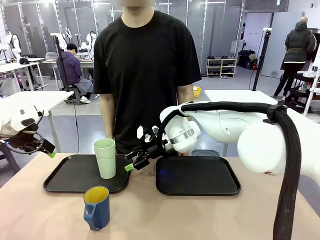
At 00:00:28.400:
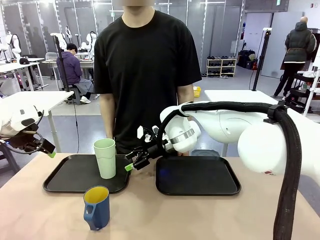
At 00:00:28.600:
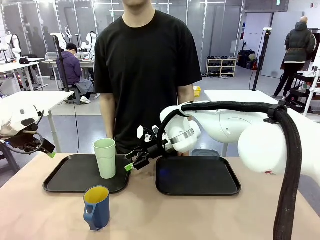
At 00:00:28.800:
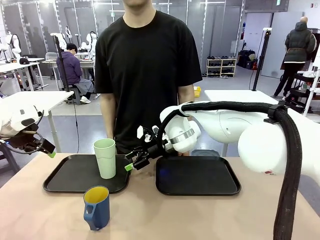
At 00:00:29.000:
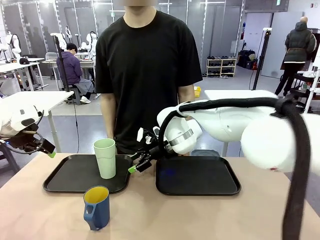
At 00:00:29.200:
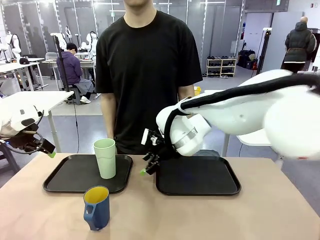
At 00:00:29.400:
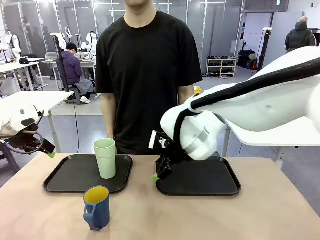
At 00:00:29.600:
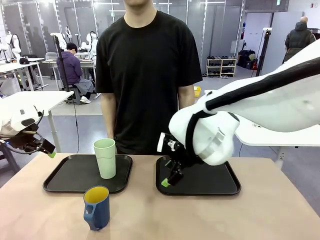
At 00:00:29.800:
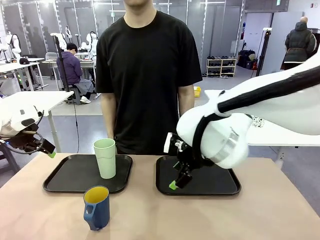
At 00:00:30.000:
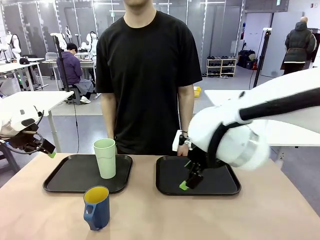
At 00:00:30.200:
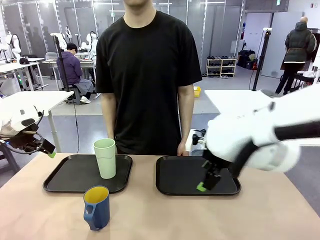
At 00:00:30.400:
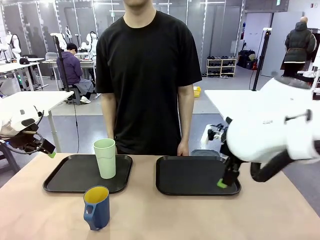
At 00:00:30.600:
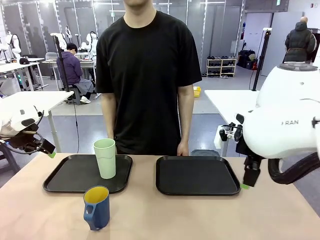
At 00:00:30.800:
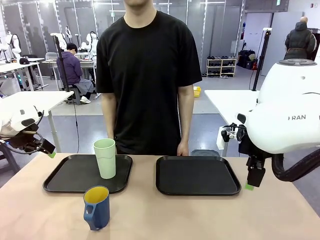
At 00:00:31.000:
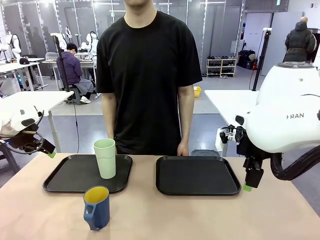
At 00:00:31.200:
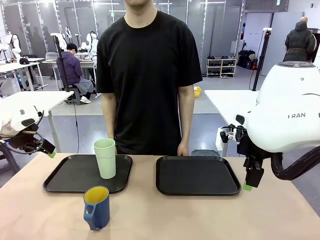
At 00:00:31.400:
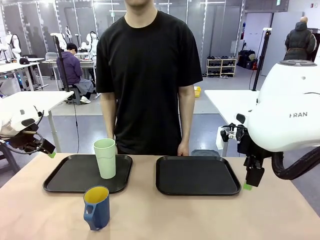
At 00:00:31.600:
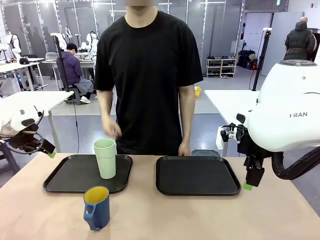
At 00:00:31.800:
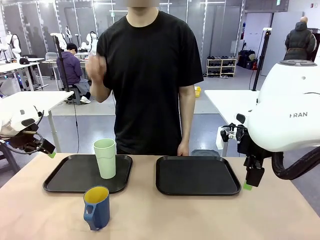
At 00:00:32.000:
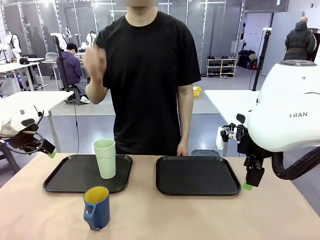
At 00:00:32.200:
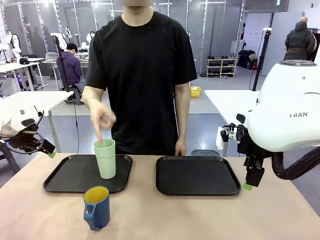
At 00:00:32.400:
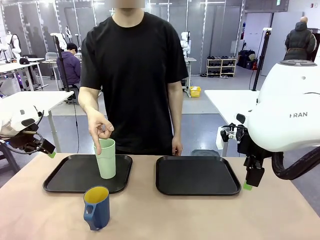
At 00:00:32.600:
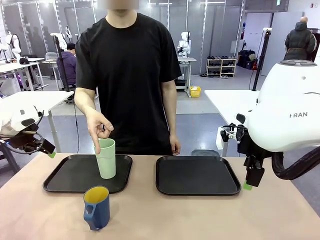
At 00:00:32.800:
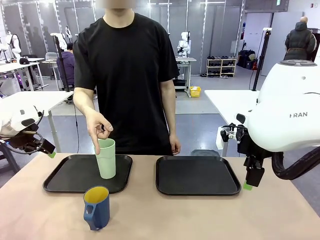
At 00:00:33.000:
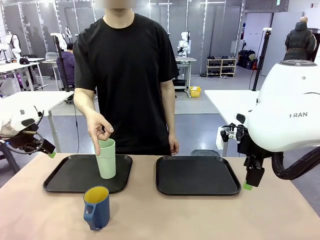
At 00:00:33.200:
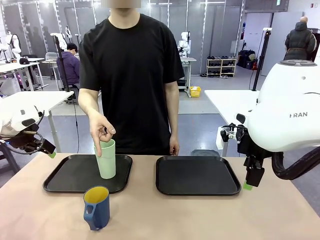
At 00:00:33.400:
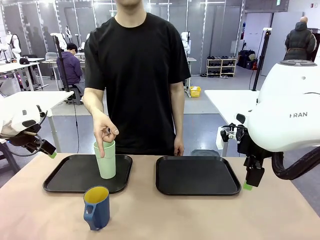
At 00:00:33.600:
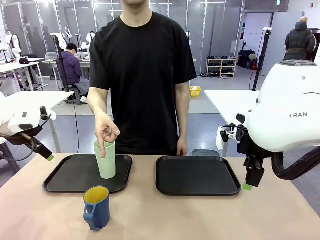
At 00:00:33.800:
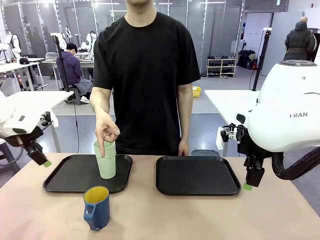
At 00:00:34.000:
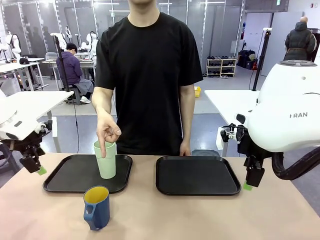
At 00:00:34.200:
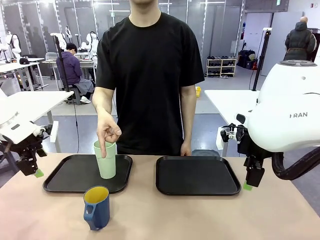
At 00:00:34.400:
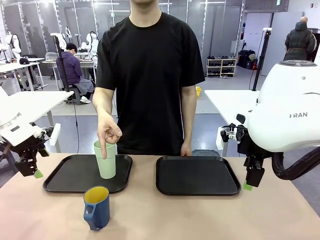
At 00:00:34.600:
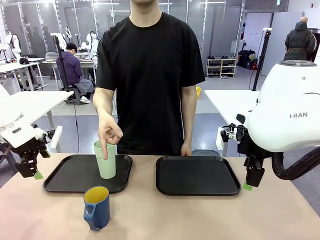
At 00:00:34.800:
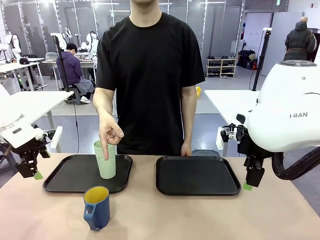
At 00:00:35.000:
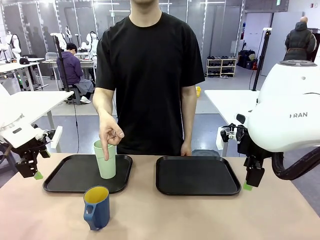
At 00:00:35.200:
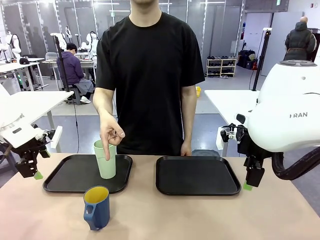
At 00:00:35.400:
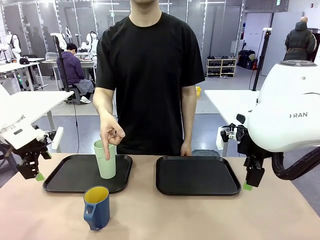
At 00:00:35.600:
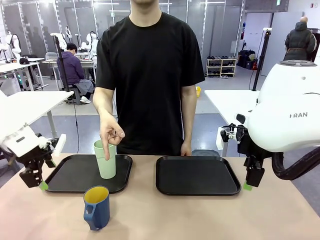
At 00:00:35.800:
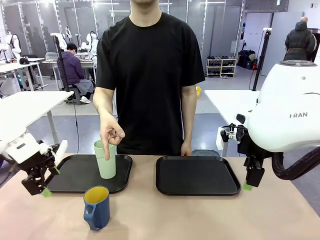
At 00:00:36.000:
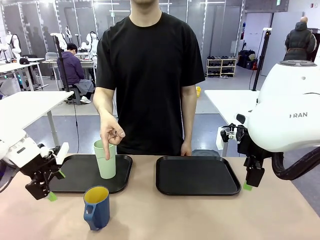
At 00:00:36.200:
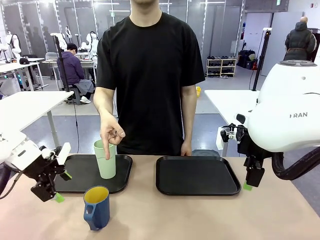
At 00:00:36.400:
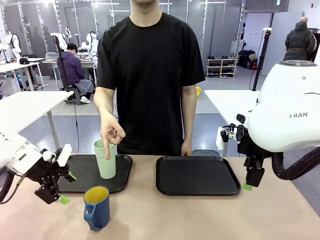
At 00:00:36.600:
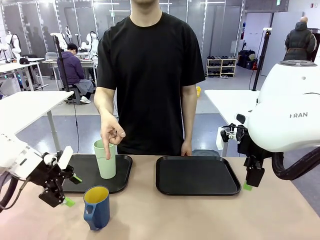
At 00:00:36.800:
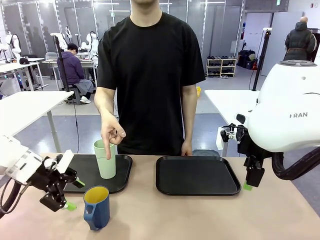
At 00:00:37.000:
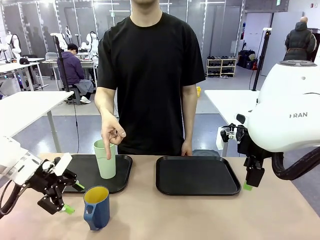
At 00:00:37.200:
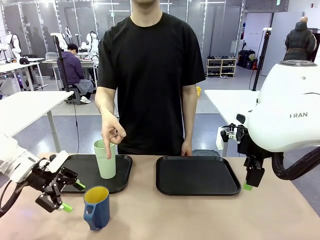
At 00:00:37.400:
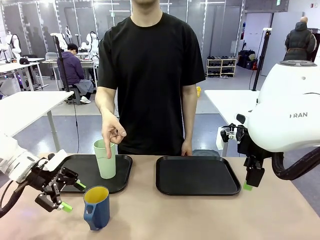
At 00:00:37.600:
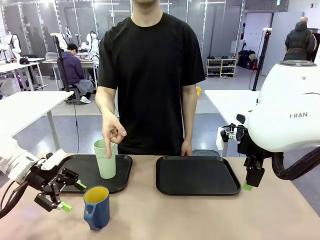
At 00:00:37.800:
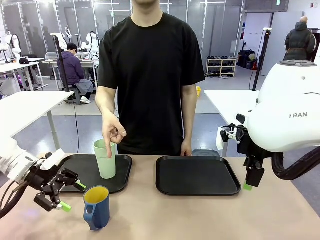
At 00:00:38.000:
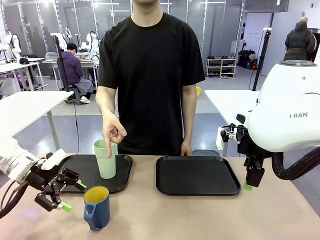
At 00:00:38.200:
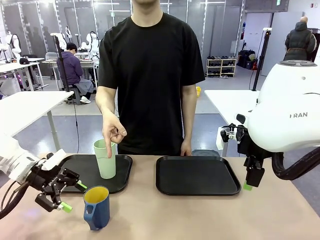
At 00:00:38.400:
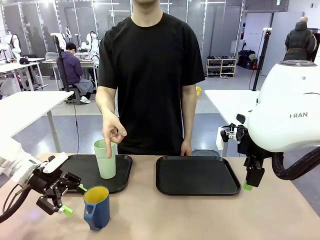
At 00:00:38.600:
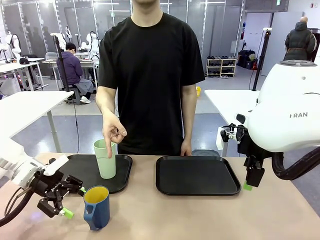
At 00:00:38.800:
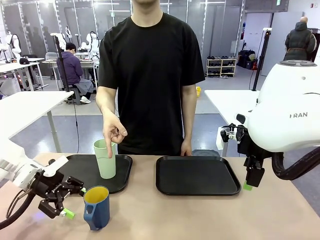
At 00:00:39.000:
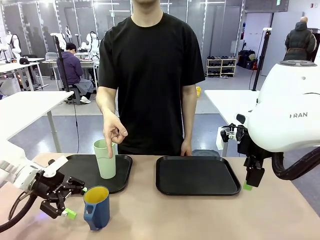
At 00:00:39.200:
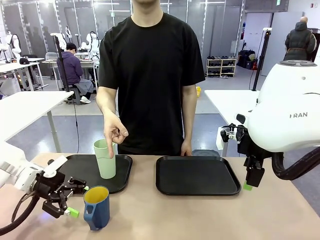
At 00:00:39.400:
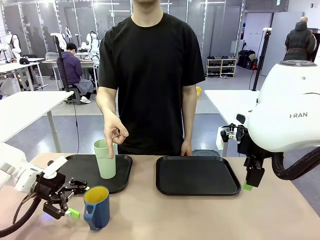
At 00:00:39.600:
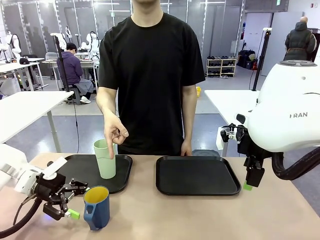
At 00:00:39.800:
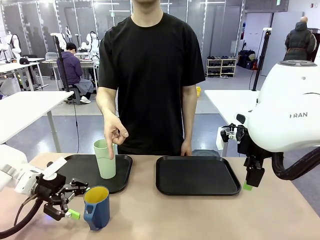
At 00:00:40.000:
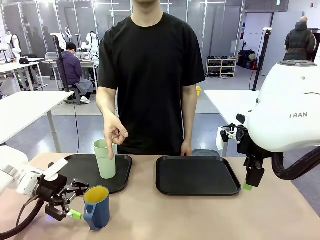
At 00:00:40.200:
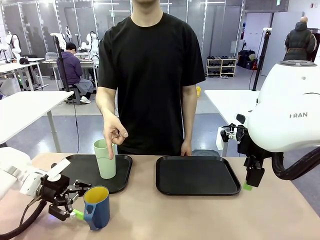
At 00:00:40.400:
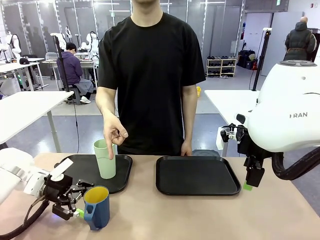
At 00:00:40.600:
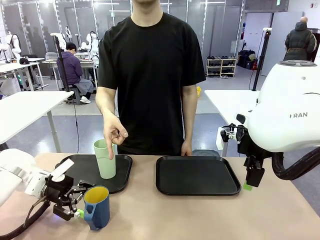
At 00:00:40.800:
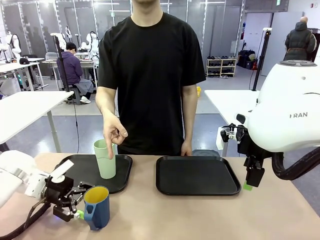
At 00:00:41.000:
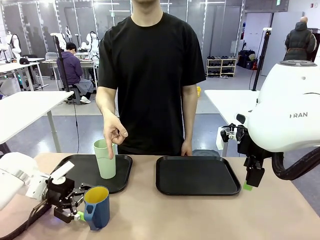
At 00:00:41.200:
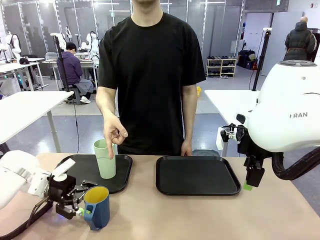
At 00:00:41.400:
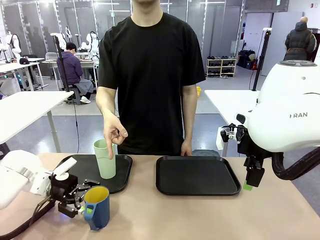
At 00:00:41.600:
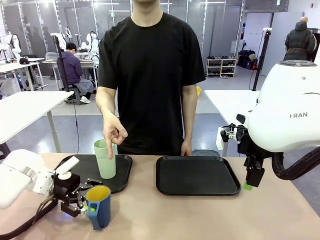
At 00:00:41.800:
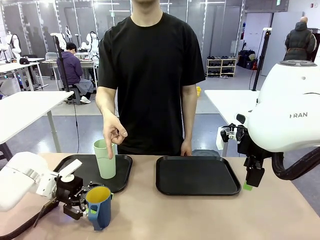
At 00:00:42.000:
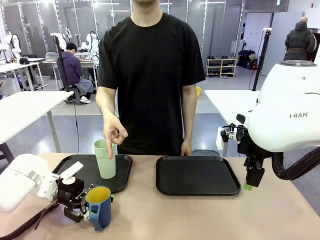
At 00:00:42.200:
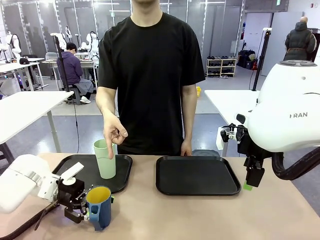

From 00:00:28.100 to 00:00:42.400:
Task: Sort and store the cups by type.
Robot: Pick up the Handle plastic cup and place it into the empty Flat Tray.
